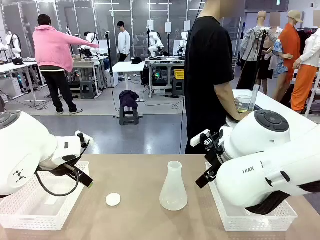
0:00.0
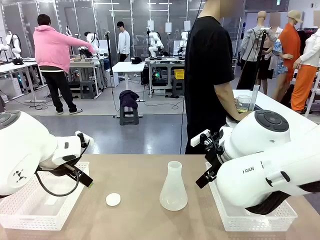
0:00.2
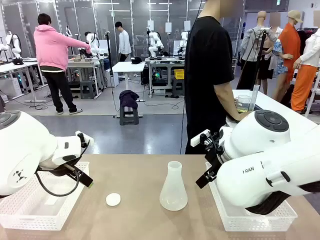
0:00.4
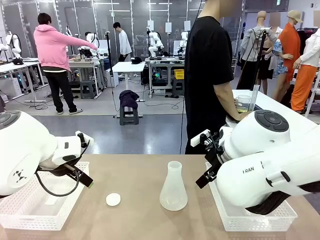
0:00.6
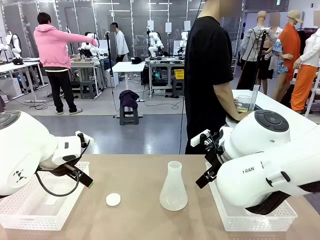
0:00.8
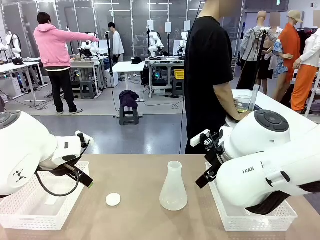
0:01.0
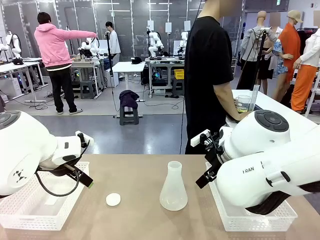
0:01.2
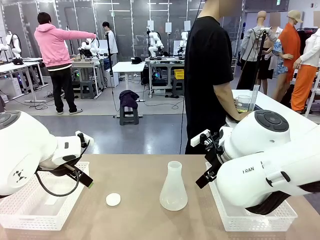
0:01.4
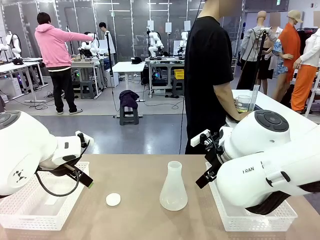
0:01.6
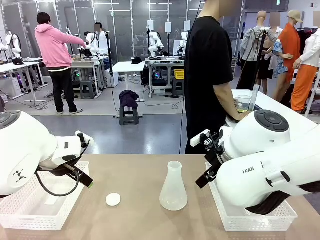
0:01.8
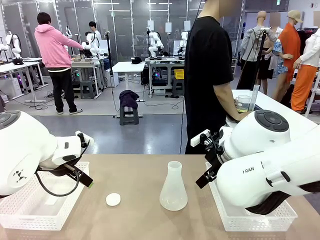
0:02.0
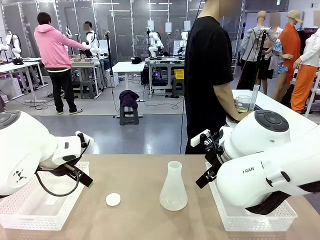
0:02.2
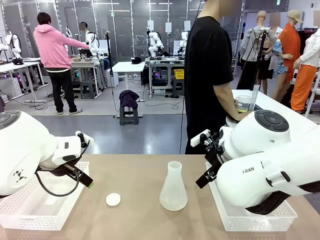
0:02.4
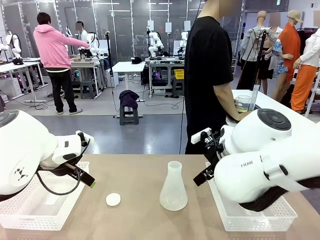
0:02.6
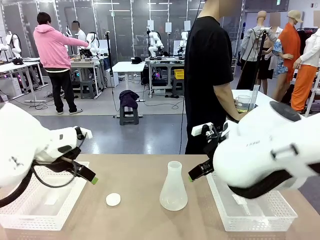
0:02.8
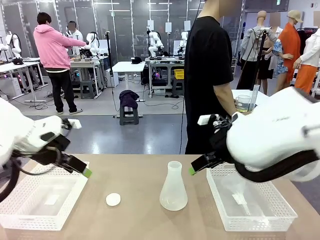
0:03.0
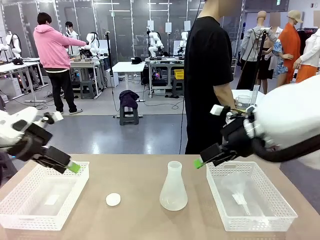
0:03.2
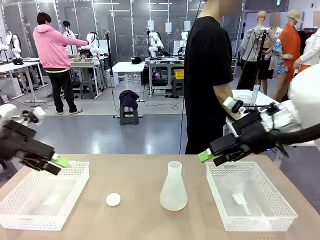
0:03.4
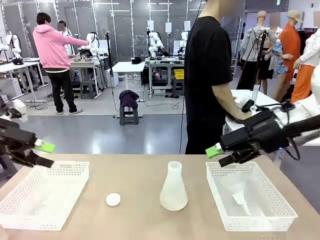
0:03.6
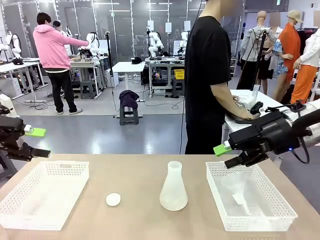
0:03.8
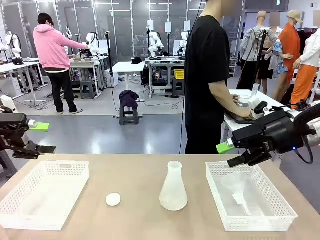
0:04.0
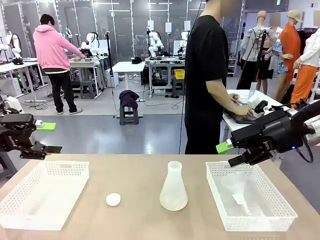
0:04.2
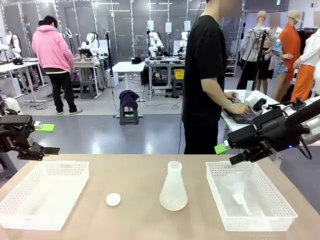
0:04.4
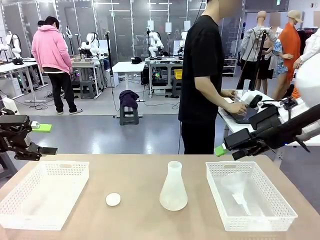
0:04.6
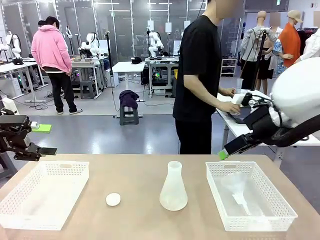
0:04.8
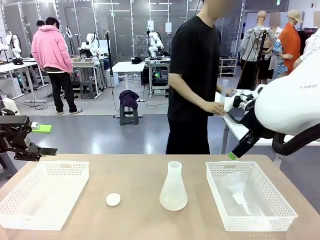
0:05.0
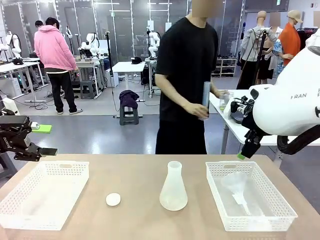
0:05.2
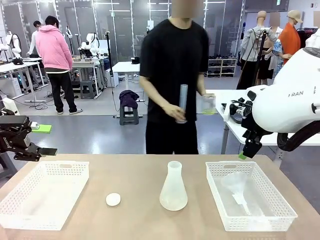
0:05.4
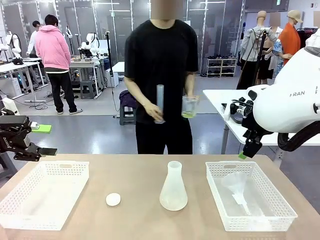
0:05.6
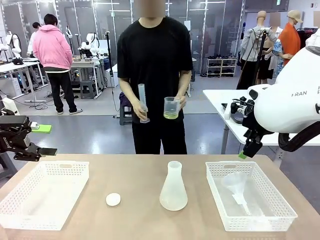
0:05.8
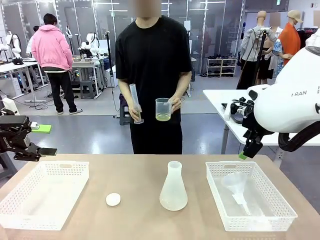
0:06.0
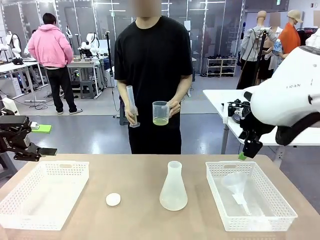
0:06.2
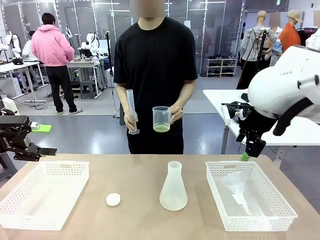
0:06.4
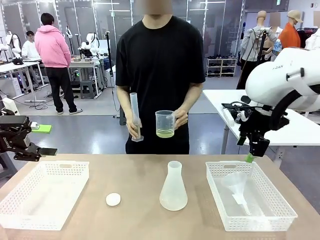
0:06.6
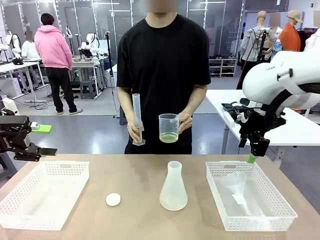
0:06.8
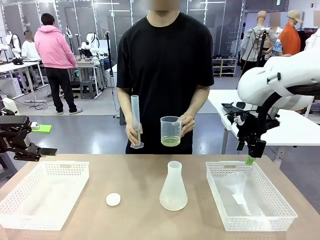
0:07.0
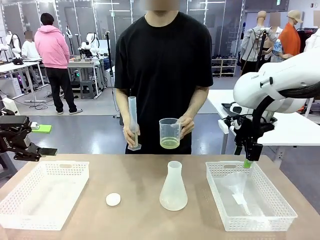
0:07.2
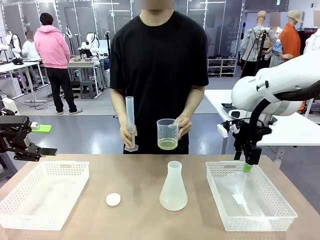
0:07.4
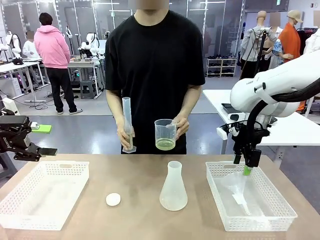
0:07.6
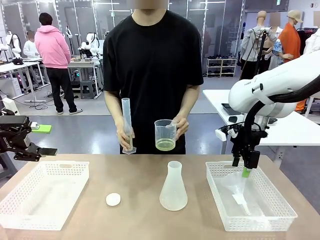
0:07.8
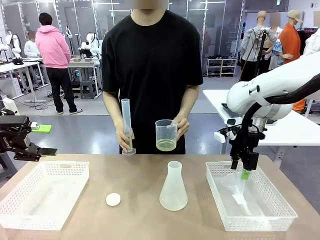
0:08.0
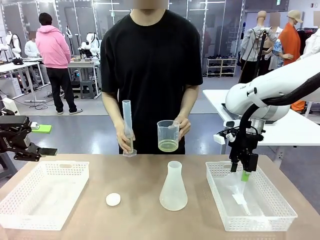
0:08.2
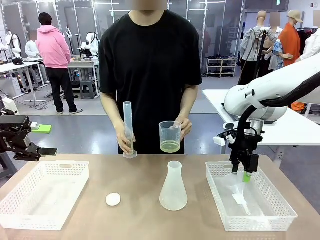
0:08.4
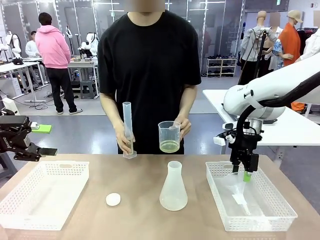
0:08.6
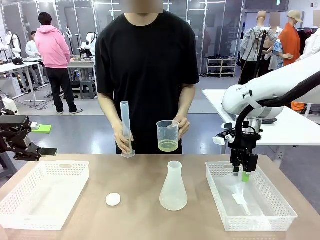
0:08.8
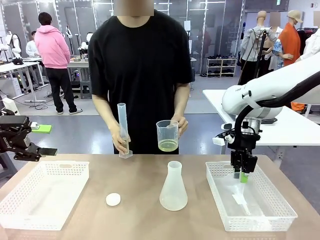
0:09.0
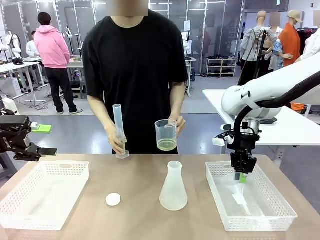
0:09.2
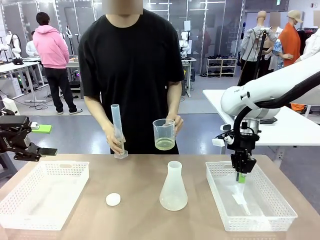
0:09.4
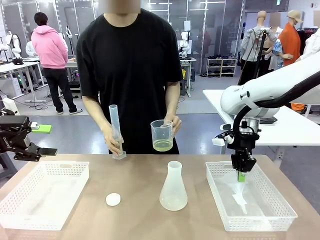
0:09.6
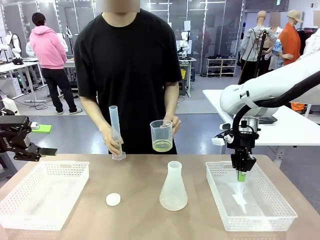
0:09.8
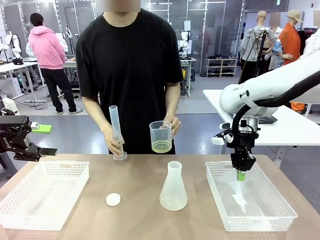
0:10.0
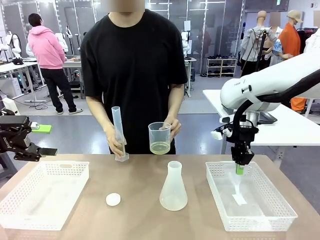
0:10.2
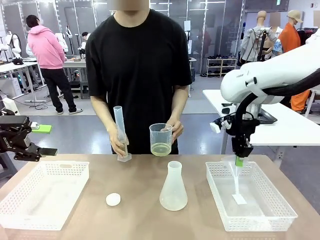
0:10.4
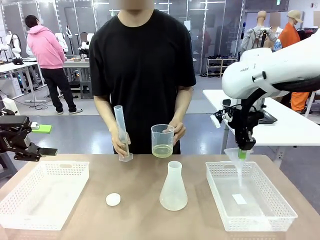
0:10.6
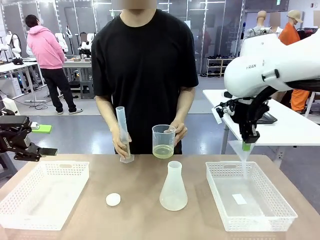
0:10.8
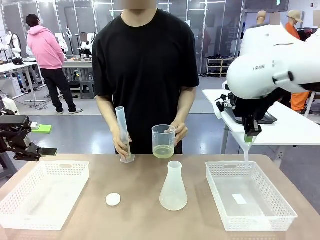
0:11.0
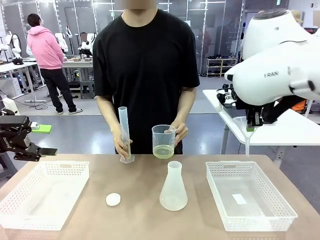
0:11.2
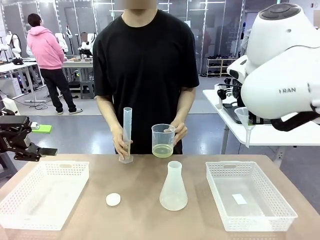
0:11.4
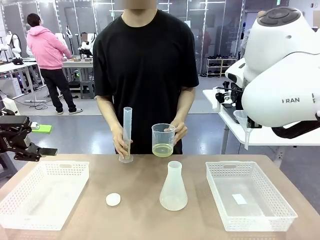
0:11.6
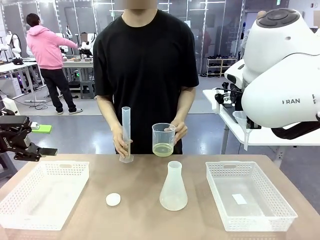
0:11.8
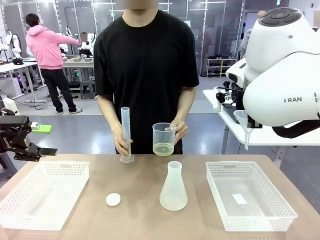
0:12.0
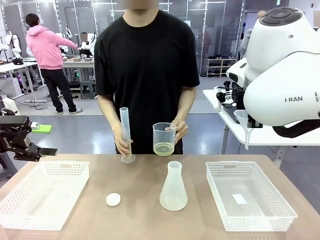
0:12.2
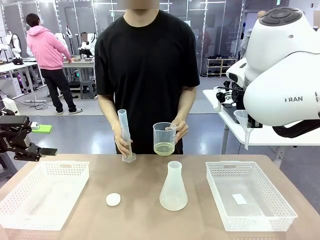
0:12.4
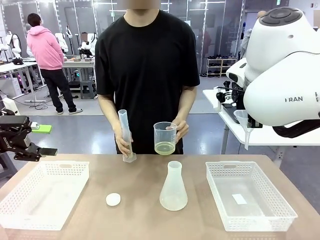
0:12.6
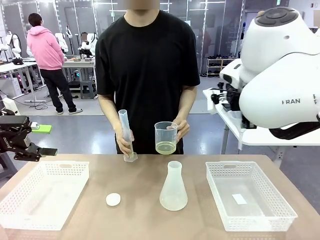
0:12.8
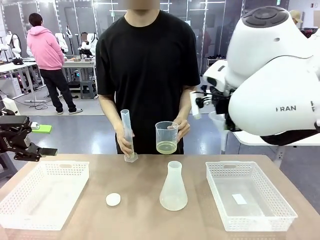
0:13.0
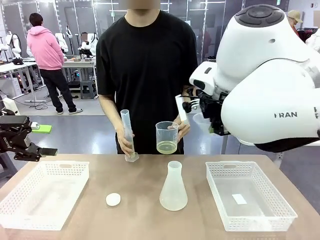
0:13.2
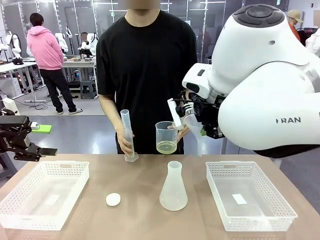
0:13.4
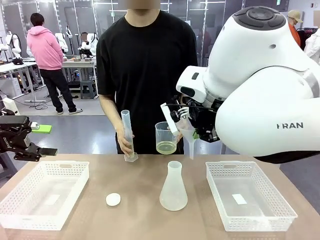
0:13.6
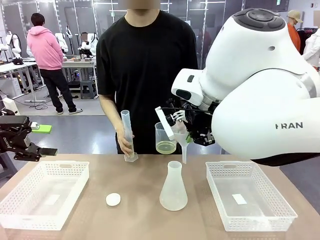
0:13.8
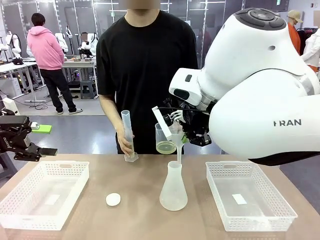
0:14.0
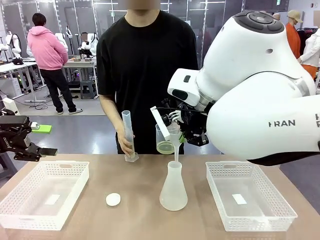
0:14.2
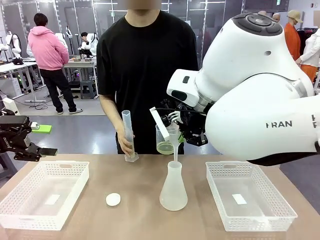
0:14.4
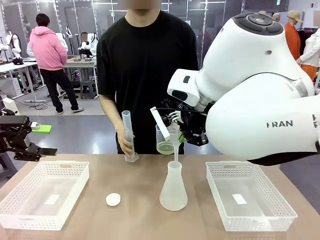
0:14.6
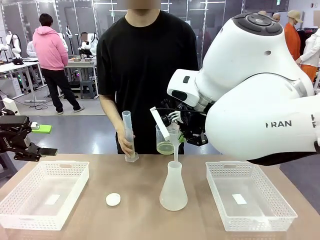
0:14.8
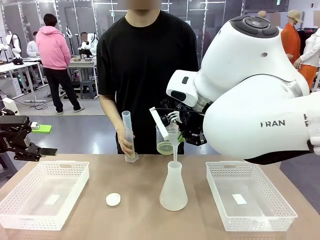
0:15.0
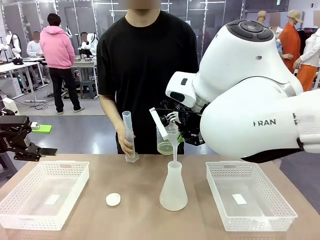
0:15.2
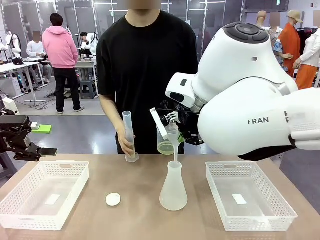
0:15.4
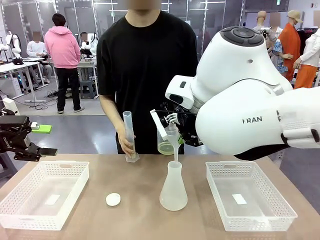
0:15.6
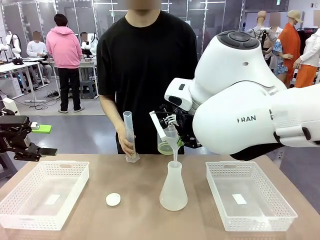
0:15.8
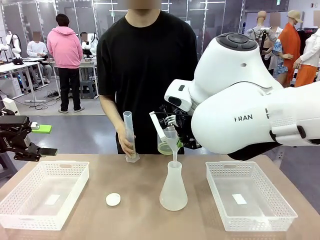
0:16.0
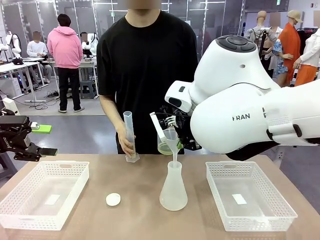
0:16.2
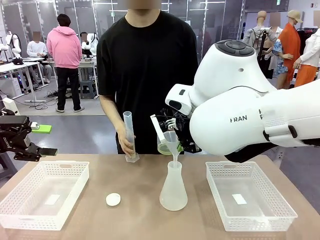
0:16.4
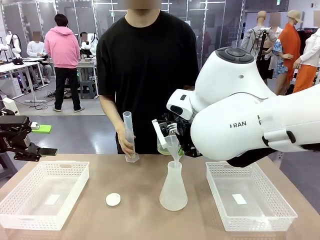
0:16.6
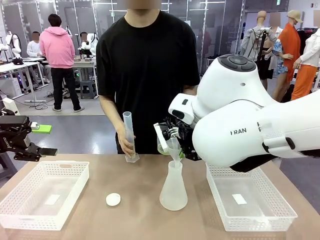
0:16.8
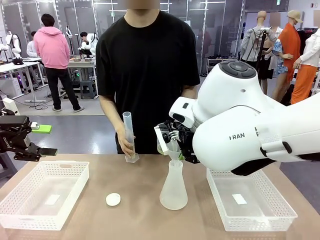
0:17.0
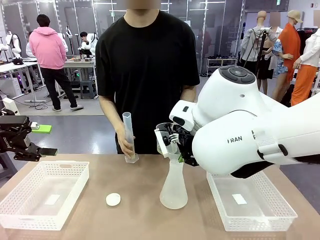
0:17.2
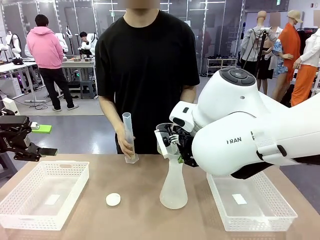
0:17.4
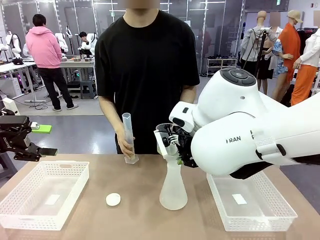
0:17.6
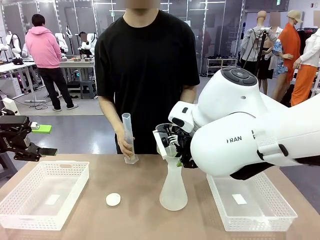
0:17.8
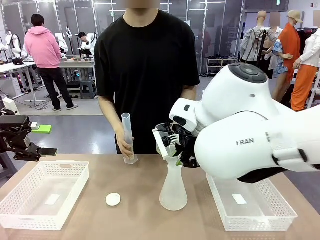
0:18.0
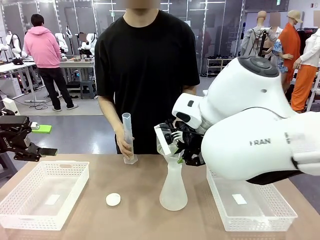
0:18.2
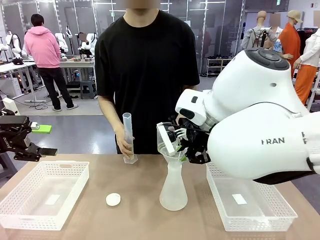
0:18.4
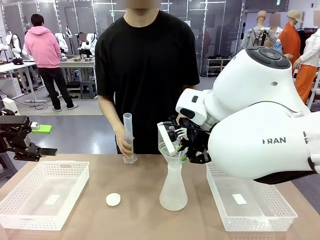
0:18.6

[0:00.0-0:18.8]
Task: Prepare the solutions needed for the experiment.
Robot: Pick up the Plastic Funnel and insert it into the Big flask.
Person: Pick up the beaker and the cylinder and move to the middle of the robot table. Pour the solution from the beaker and the cylinder into the flask.
